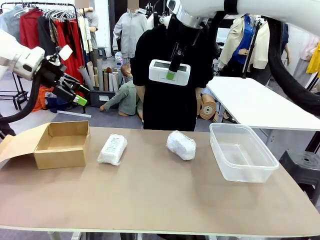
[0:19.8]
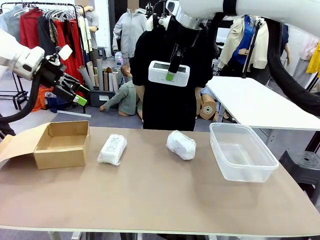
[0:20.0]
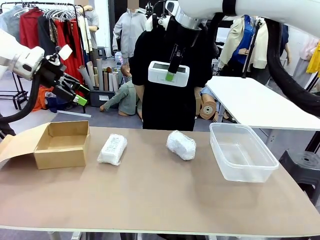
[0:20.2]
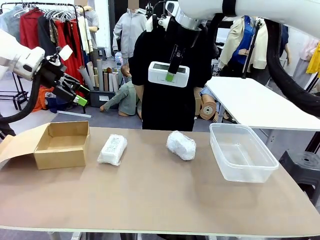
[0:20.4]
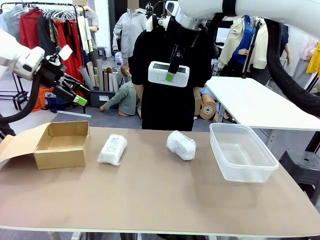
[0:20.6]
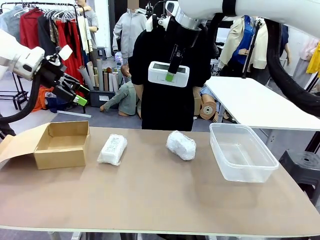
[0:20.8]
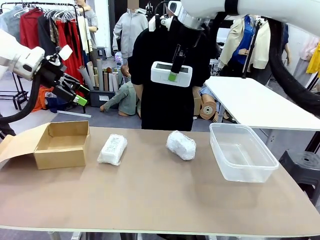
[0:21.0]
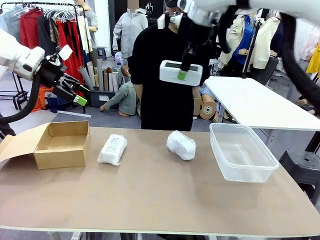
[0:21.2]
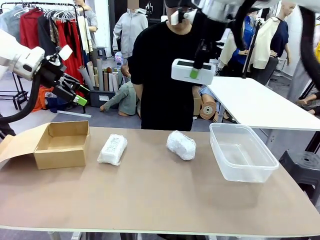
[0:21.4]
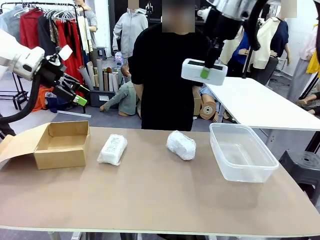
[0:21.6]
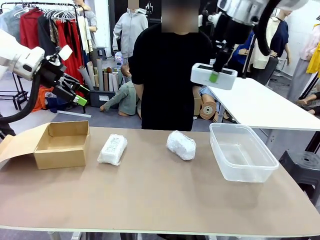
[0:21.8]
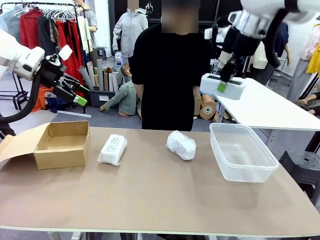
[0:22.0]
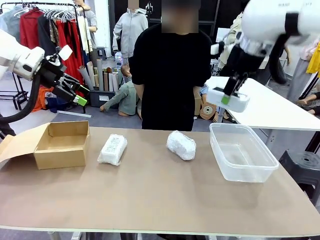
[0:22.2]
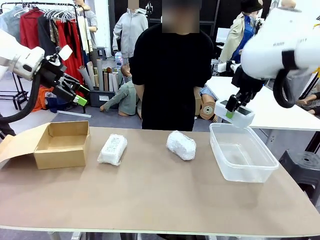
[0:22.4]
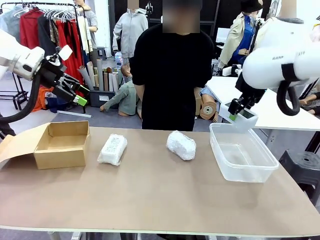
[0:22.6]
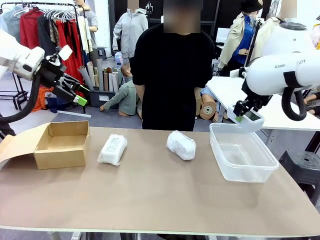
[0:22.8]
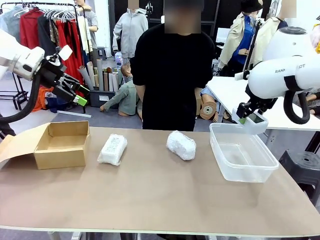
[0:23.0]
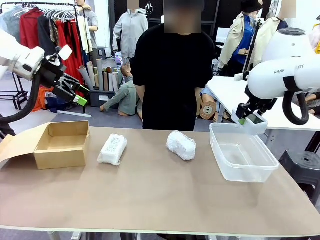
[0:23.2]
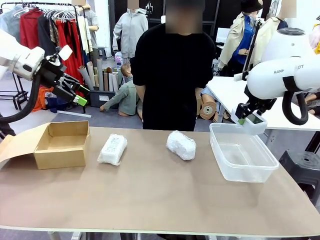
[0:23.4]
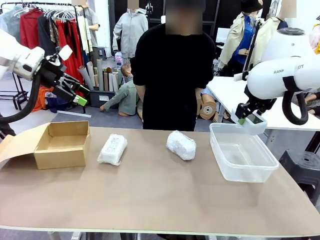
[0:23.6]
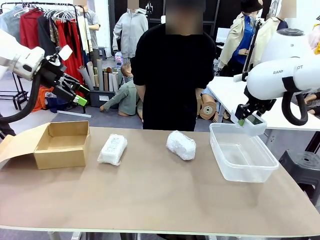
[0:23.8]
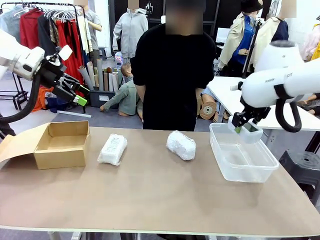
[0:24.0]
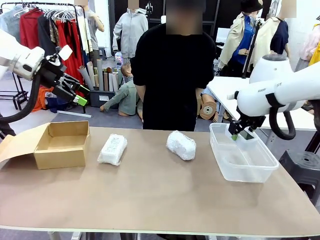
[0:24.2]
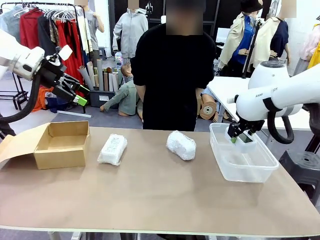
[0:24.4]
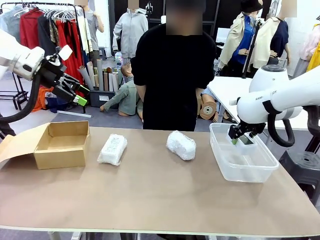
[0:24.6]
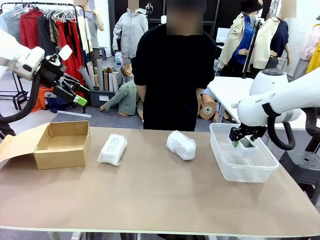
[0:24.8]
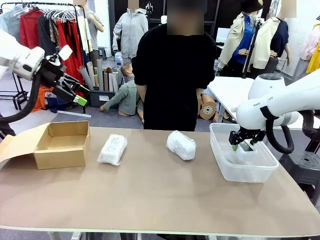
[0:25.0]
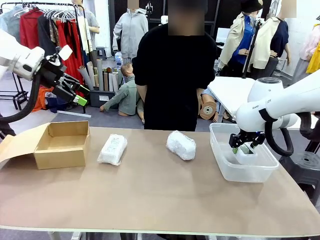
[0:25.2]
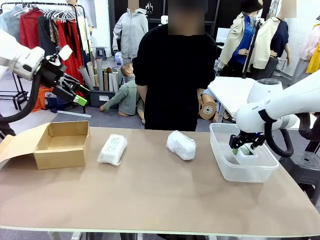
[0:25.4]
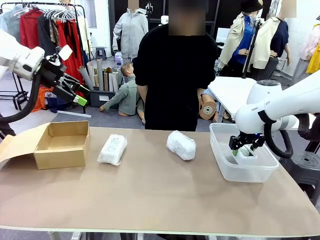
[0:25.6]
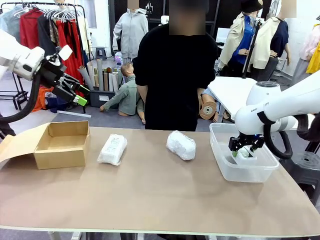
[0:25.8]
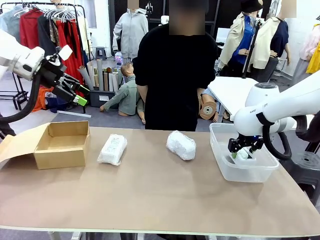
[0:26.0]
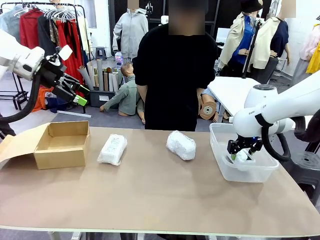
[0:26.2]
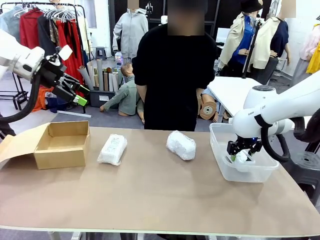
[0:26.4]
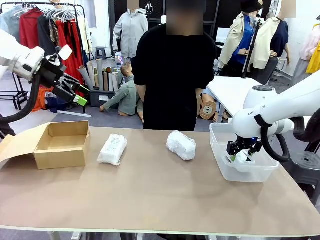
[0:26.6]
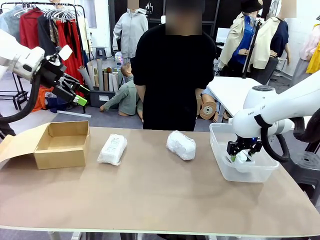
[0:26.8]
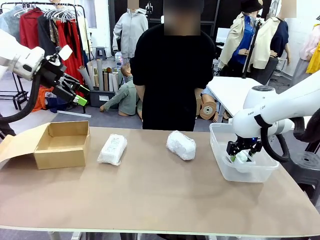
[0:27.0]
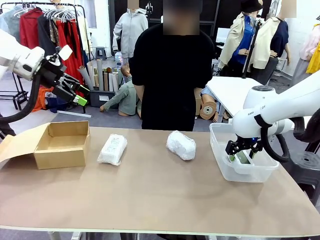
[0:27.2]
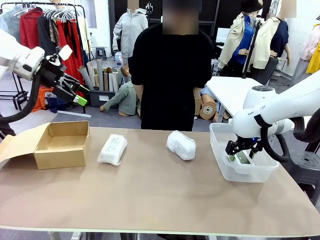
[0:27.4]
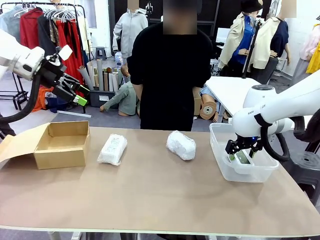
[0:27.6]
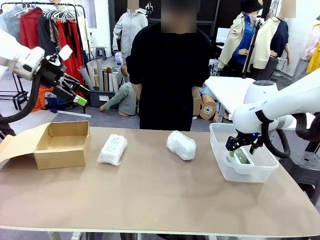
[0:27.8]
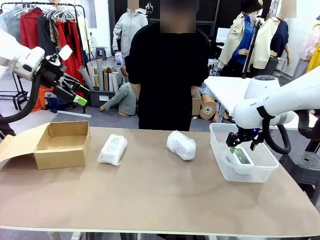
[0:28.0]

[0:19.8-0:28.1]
Task: Separate and place wrapped and unwrapped clocks.
Robot: If the picked Digital clock is wrapped, place it in the Package Box ; if not, place it in the Organizing box.

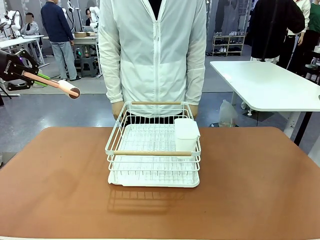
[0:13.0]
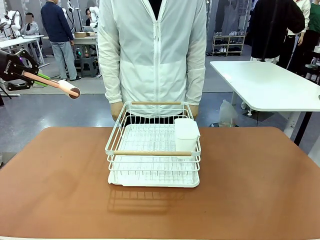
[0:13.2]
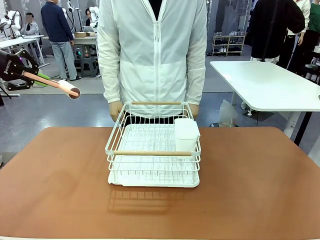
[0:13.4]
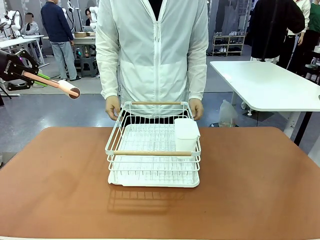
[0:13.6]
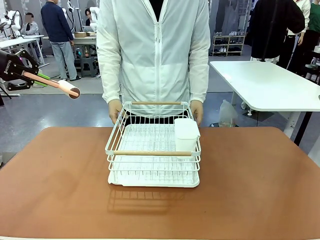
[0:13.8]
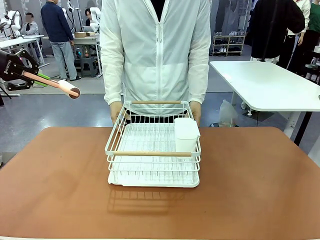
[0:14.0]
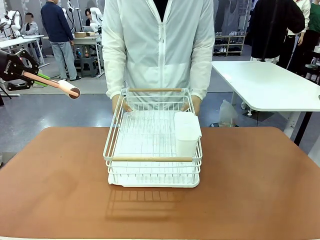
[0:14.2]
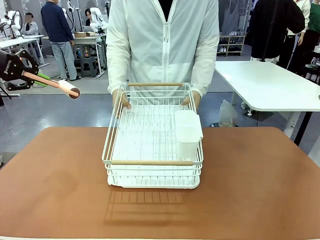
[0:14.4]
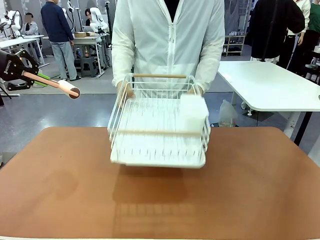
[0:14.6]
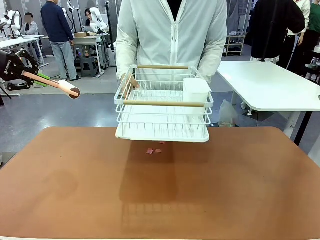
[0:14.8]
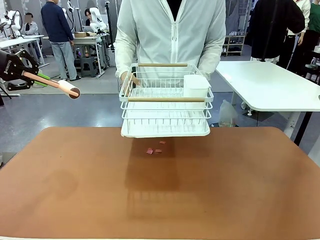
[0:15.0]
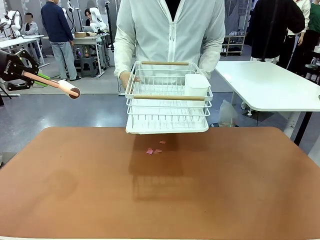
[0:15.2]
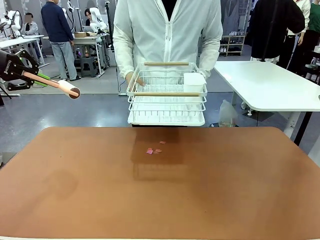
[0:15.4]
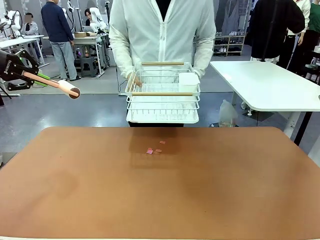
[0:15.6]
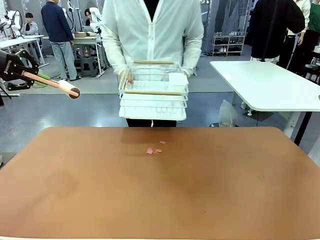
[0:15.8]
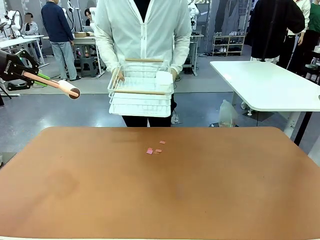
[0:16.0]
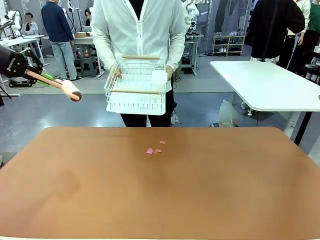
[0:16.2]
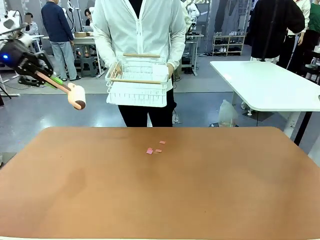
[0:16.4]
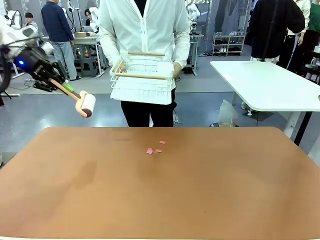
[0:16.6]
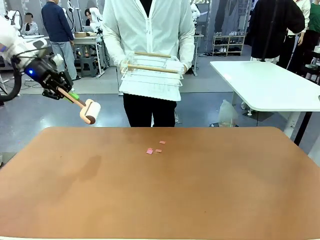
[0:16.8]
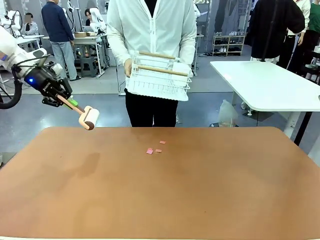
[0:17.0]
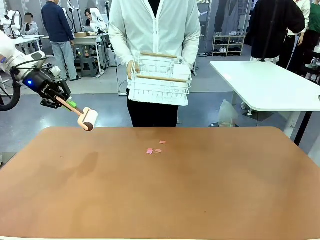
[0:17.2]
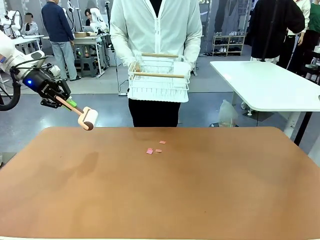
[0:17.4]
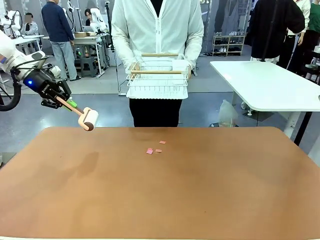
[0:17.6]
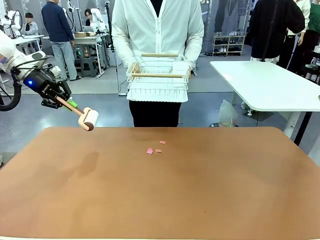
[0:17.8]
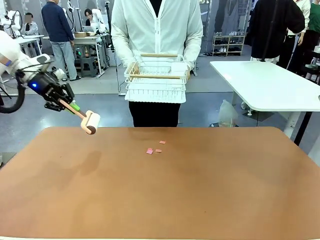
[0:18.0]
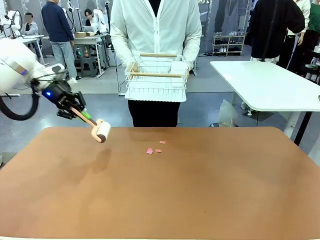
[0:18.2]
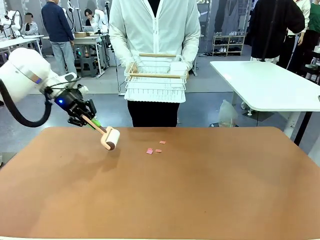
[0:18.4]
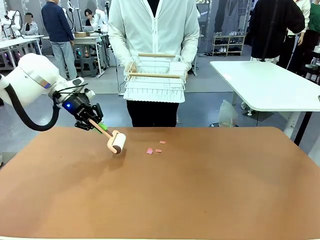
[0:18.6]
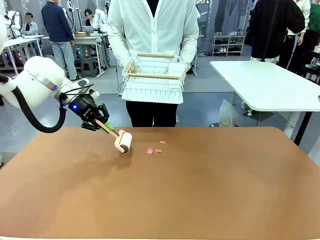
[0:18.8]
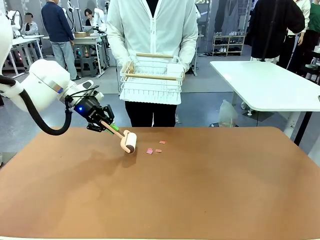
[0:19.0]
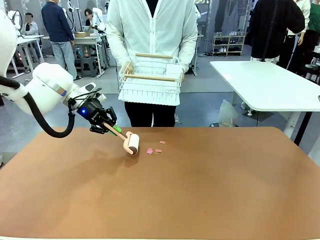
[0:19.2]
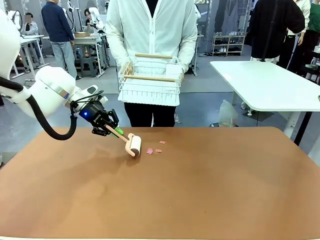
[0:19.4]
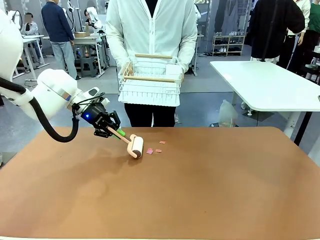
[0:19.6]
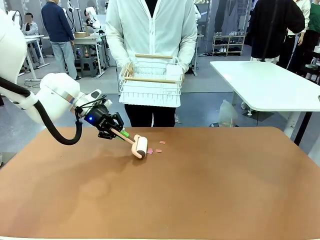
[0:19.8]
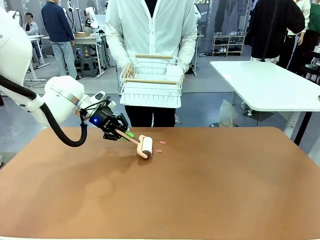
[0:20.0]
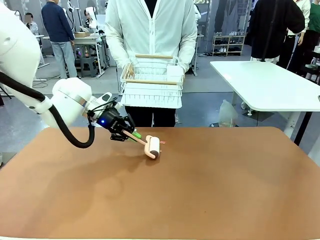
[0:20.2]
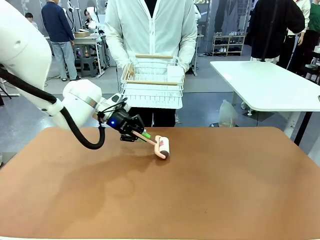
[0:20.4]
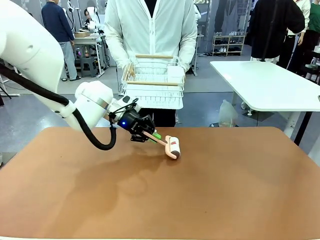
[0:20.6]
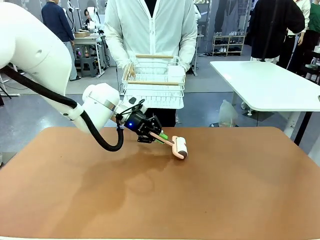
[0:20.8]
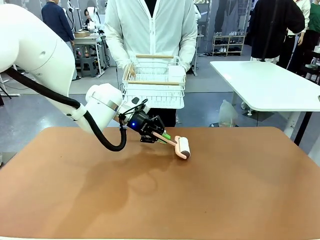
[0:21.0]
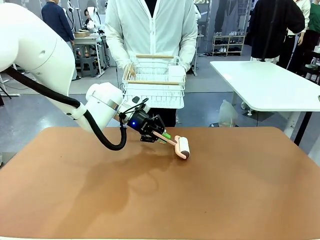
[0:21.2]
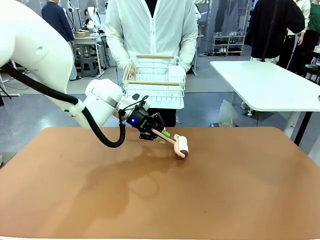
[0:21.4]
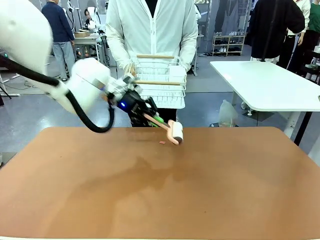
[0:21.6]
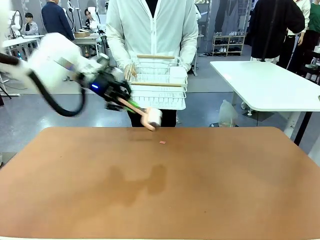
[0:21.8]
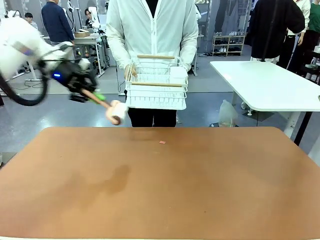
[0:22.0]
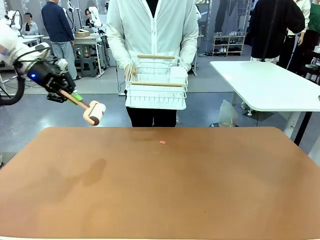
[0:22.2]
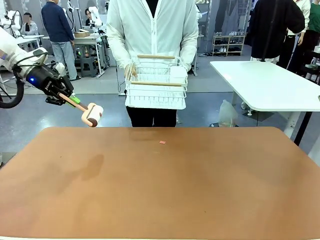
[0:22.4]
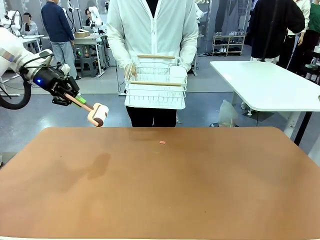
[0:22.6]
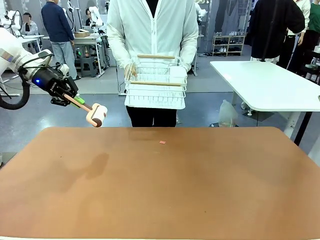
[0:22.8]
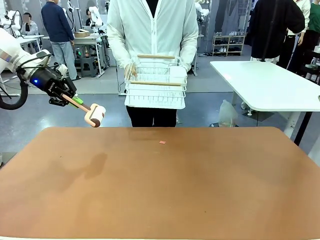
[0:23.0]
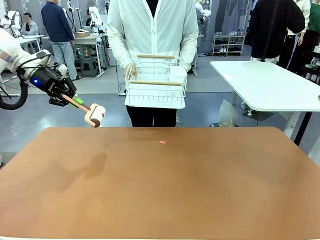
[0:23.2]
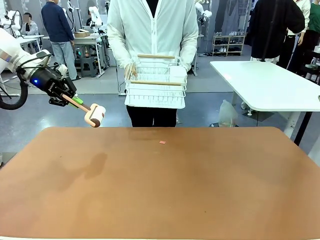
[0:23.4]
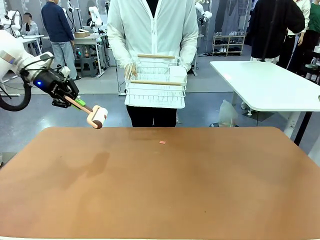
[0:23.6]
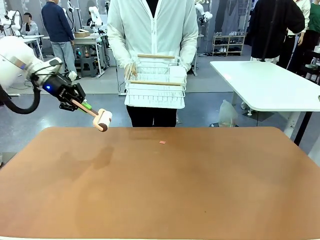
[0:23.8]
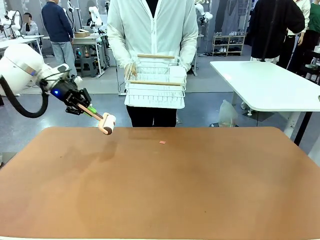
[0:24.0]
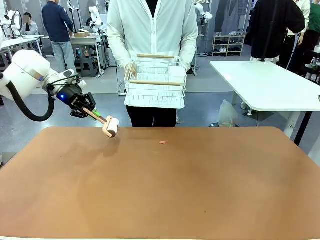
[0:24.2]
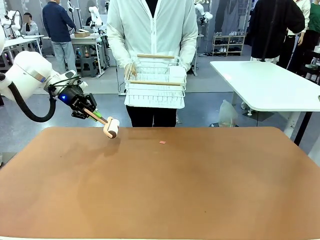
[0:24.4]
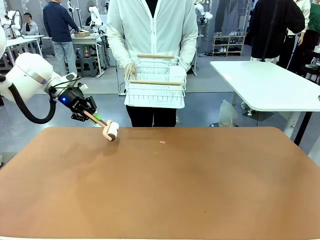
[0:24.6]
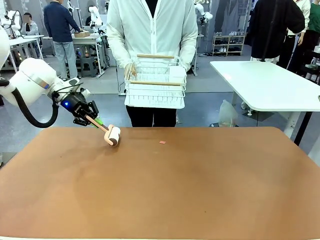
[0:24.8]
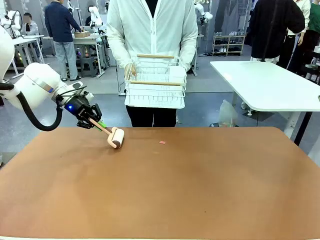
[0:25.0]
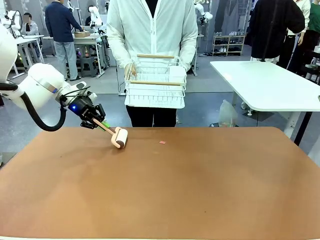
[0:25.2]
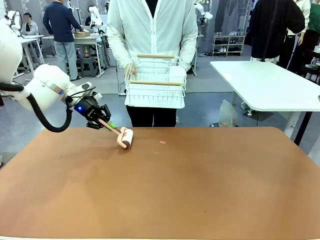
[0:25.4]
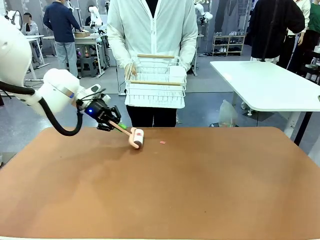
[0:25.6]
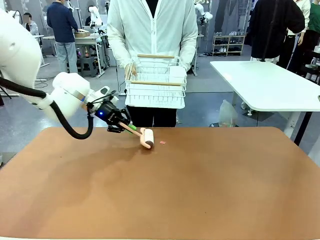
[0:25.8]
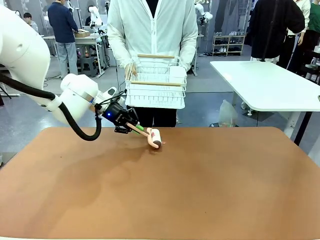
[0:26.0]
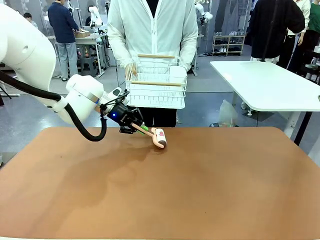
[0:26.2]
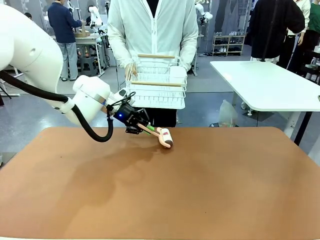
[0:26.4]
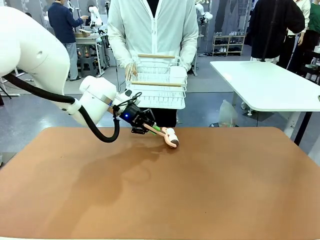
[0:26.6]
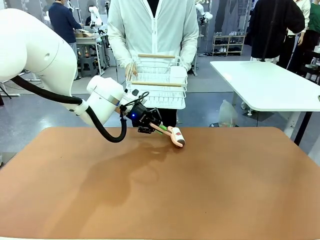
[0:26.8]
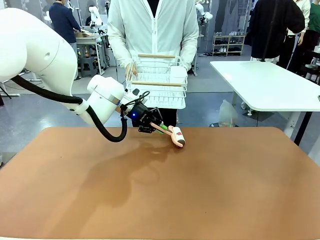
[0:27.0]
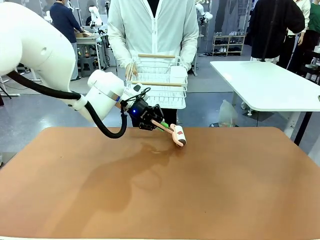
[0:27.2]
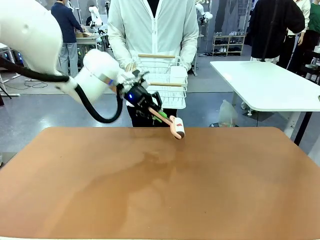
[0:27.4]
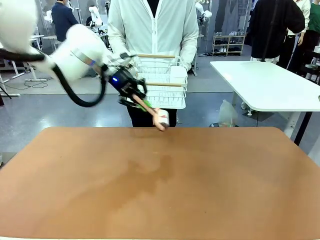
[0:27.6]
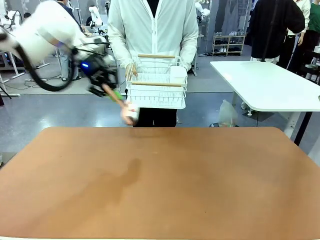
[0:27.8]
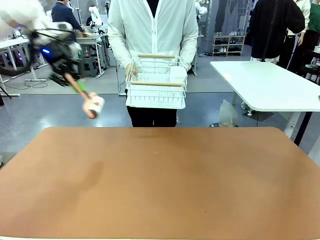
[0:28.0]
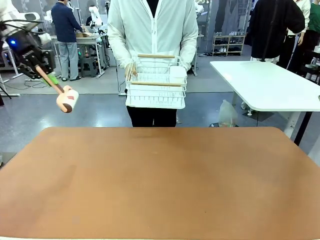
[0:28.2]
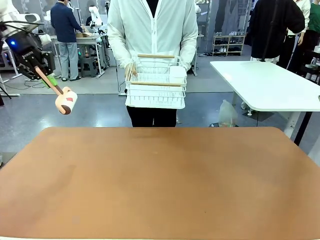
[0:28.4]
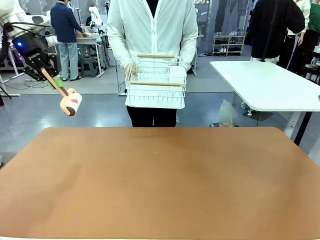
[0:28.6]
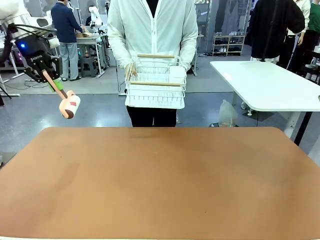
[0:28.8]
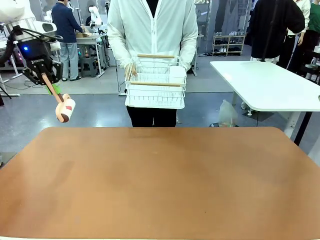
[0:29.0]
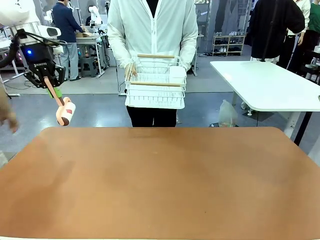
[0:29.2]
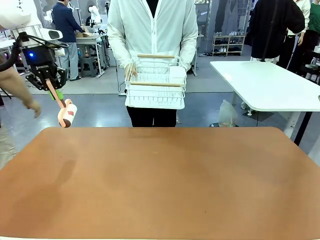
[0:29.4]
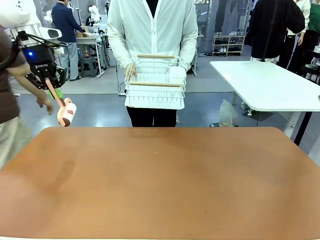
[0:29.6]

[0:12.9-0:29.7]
Task: Clean the table.
Robot: Clean the table with the Lint Roller when the human lifts the Dish drying rack.
Person: Place the Dish drying rack down when the robot finishes cleaning.
